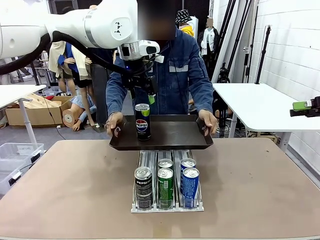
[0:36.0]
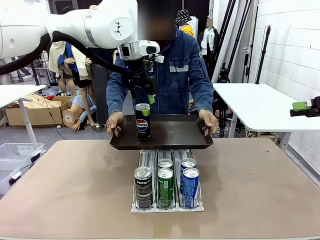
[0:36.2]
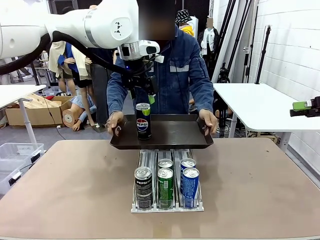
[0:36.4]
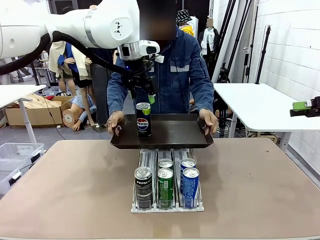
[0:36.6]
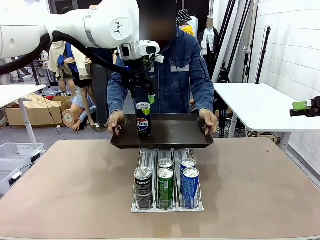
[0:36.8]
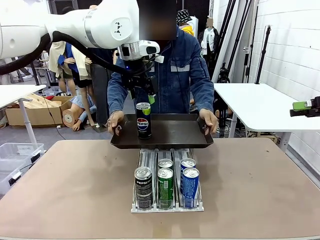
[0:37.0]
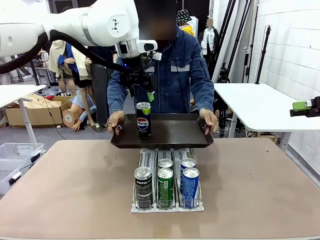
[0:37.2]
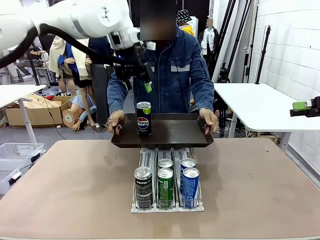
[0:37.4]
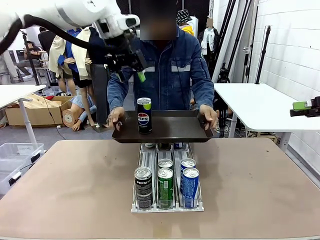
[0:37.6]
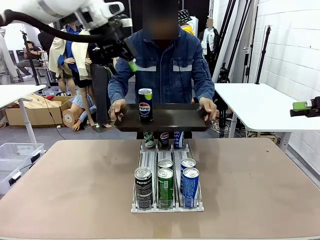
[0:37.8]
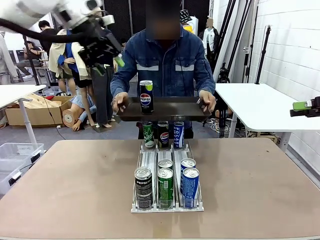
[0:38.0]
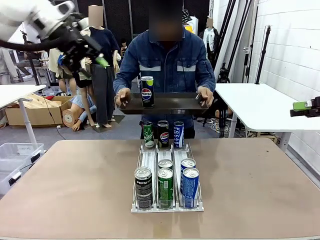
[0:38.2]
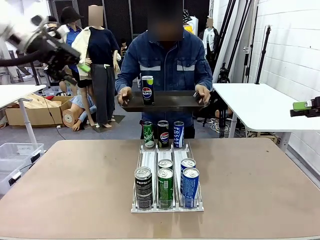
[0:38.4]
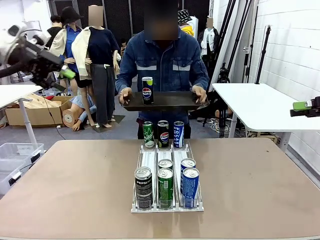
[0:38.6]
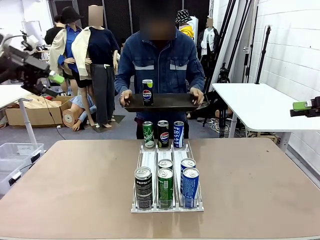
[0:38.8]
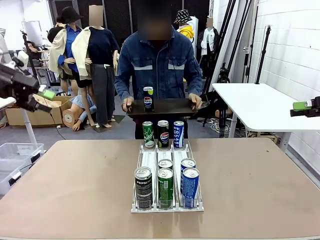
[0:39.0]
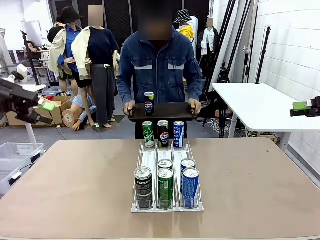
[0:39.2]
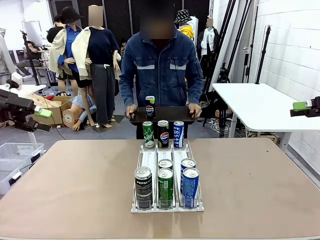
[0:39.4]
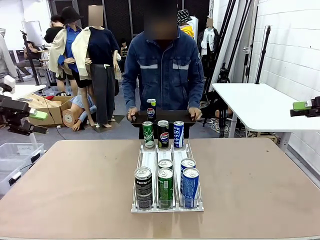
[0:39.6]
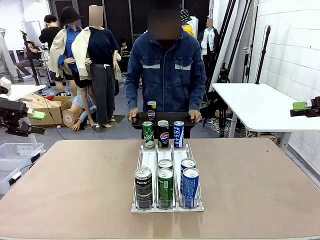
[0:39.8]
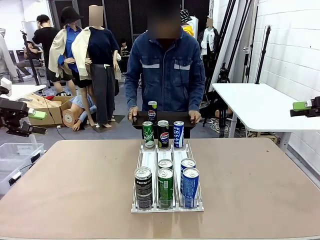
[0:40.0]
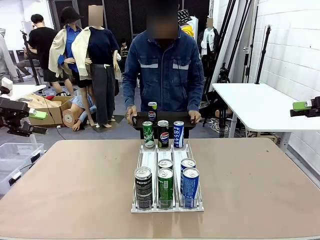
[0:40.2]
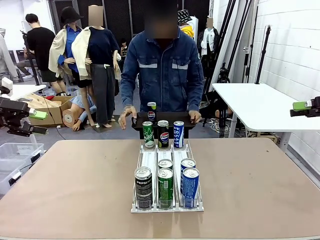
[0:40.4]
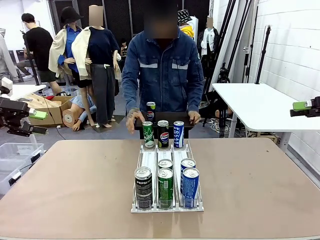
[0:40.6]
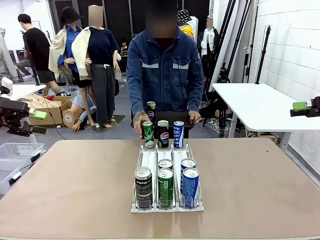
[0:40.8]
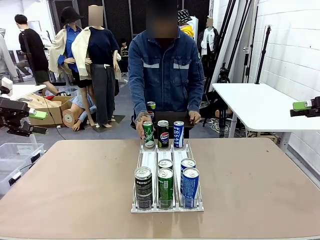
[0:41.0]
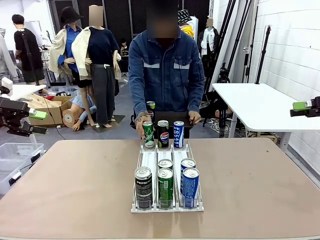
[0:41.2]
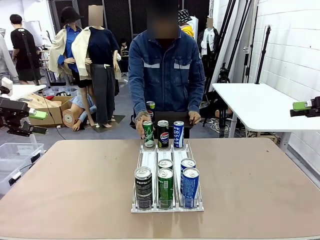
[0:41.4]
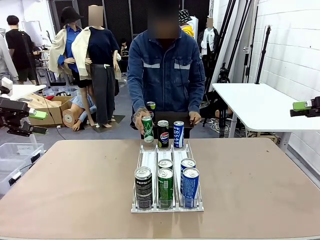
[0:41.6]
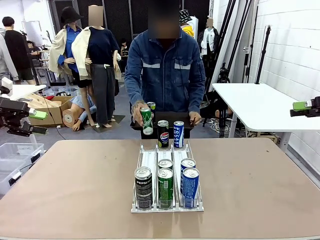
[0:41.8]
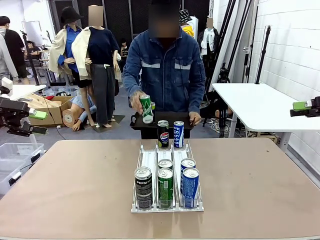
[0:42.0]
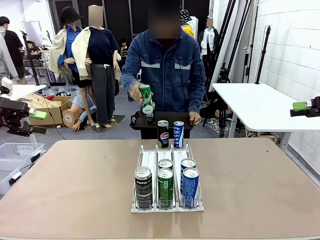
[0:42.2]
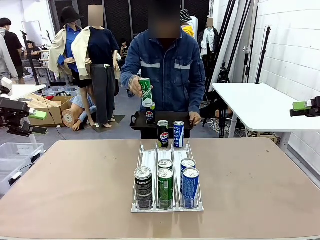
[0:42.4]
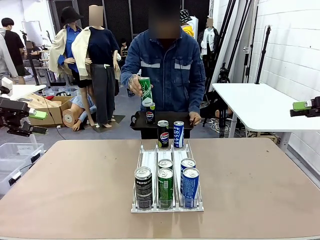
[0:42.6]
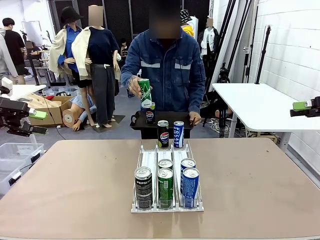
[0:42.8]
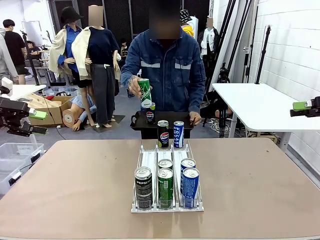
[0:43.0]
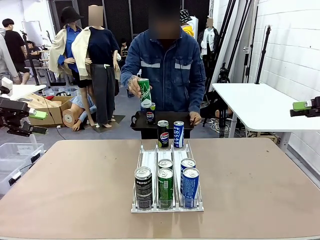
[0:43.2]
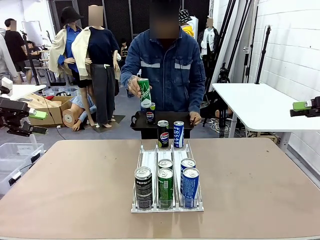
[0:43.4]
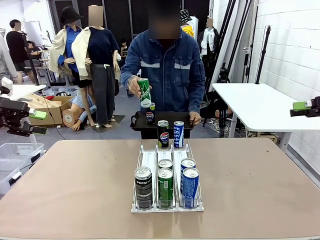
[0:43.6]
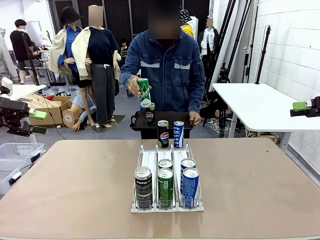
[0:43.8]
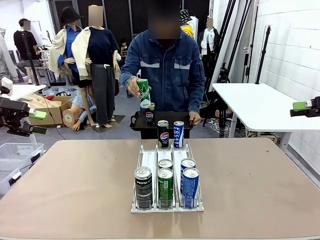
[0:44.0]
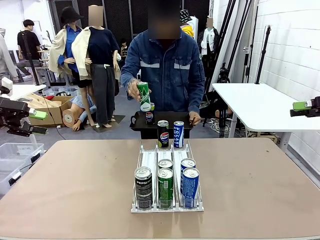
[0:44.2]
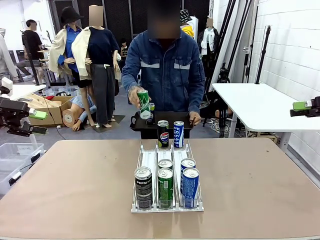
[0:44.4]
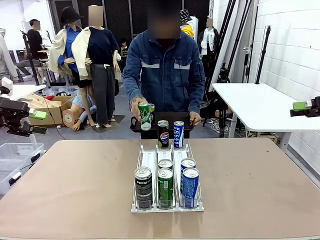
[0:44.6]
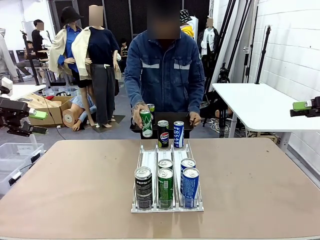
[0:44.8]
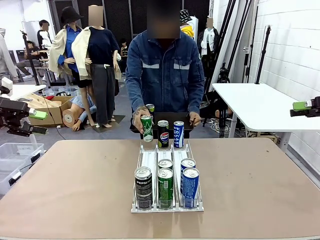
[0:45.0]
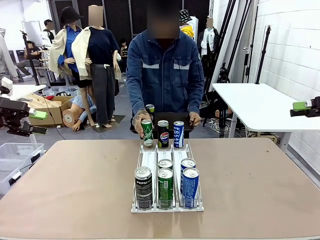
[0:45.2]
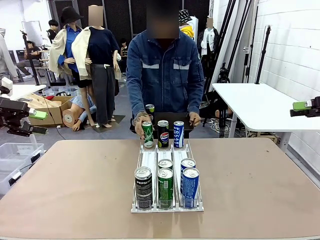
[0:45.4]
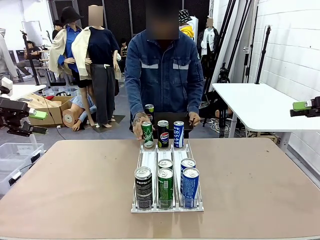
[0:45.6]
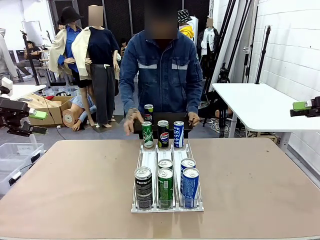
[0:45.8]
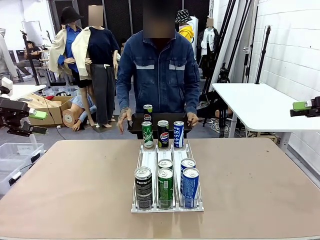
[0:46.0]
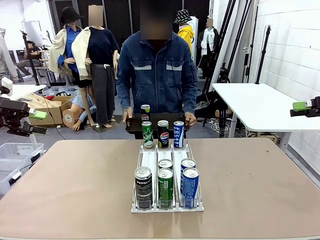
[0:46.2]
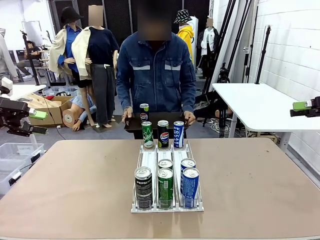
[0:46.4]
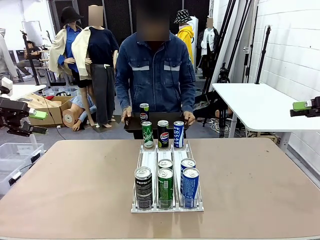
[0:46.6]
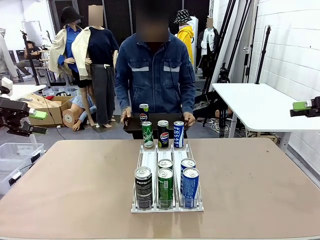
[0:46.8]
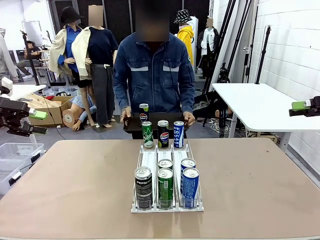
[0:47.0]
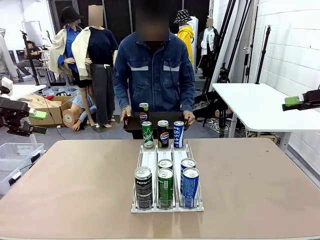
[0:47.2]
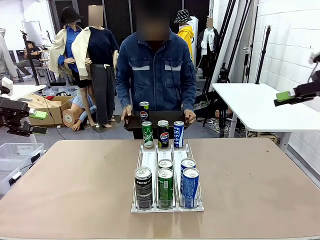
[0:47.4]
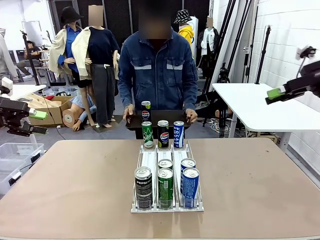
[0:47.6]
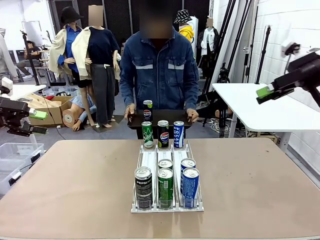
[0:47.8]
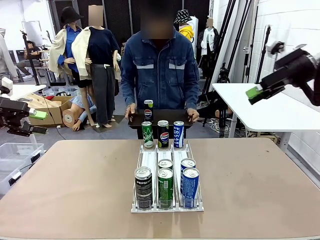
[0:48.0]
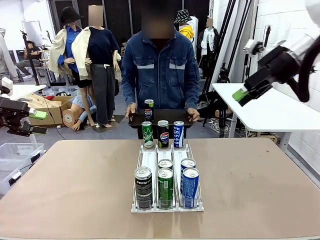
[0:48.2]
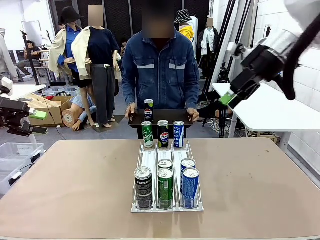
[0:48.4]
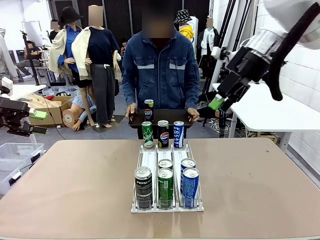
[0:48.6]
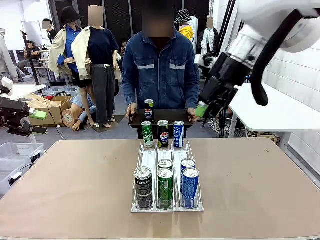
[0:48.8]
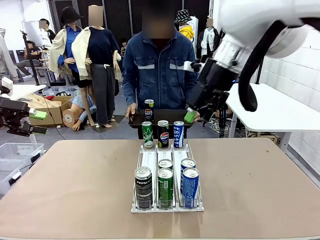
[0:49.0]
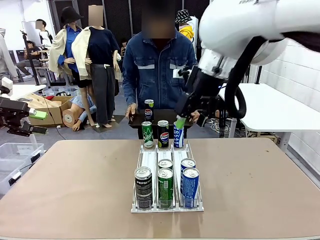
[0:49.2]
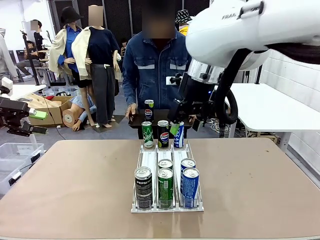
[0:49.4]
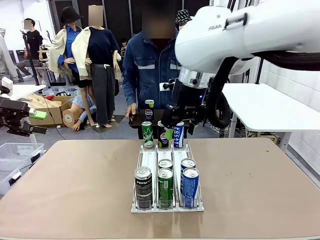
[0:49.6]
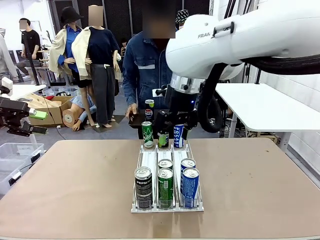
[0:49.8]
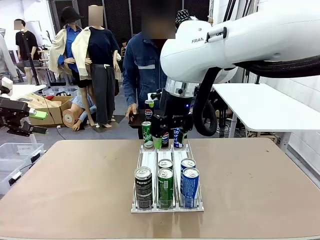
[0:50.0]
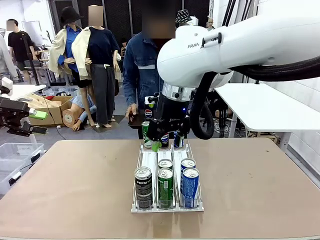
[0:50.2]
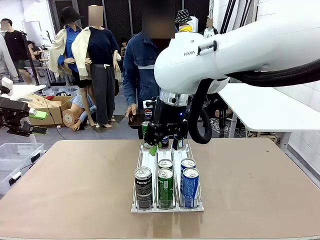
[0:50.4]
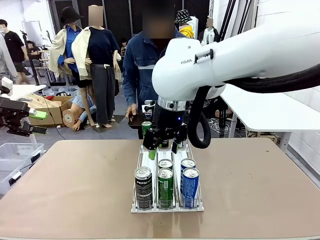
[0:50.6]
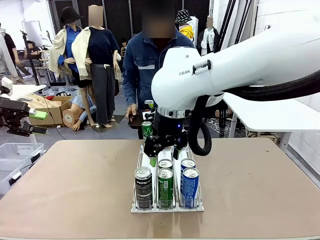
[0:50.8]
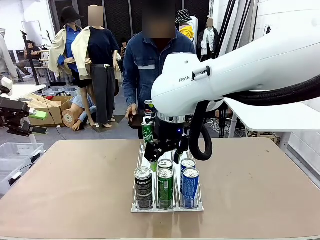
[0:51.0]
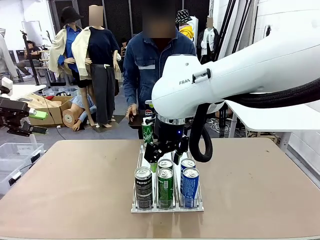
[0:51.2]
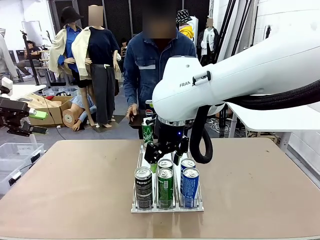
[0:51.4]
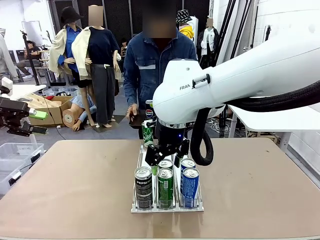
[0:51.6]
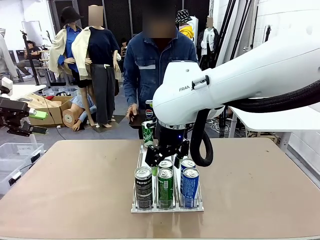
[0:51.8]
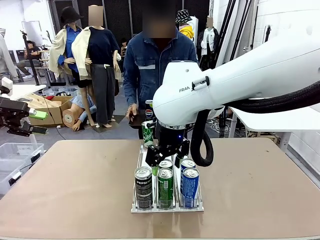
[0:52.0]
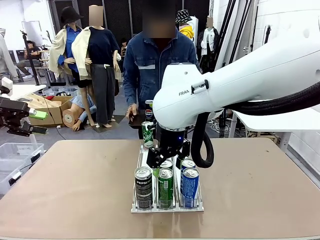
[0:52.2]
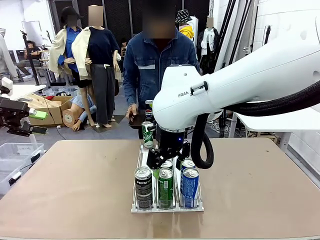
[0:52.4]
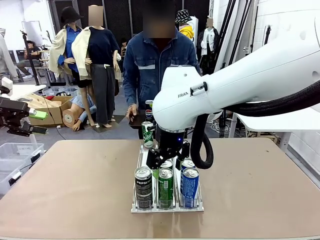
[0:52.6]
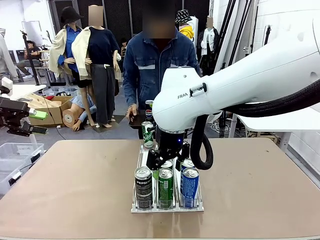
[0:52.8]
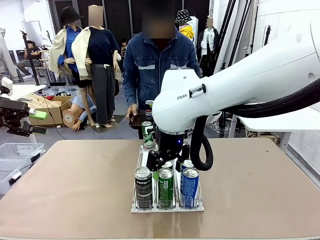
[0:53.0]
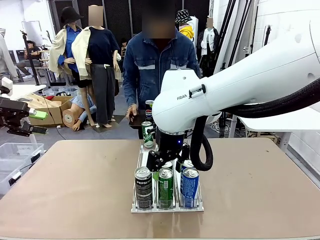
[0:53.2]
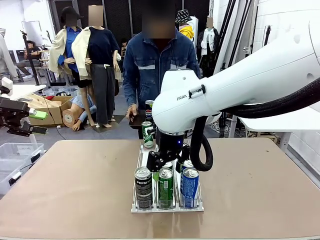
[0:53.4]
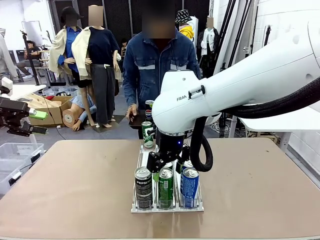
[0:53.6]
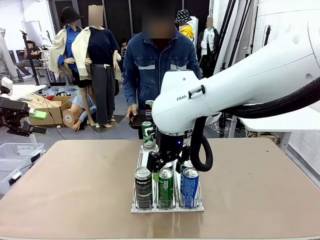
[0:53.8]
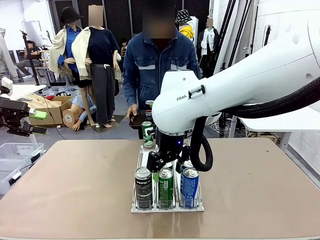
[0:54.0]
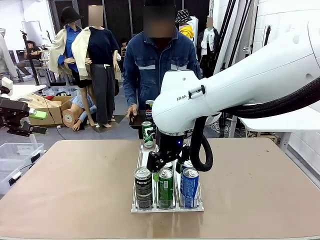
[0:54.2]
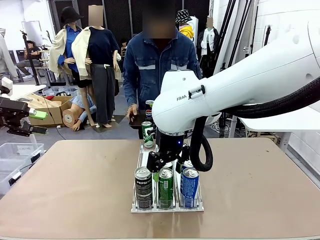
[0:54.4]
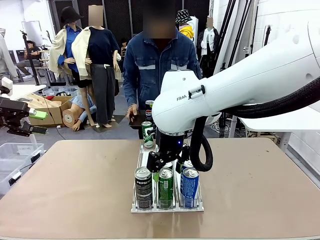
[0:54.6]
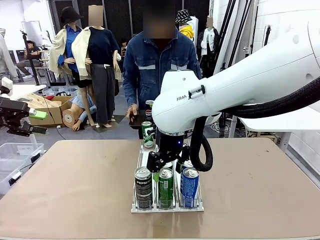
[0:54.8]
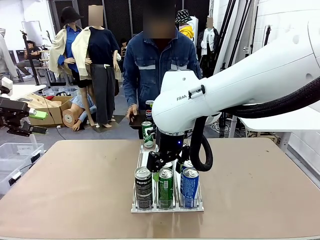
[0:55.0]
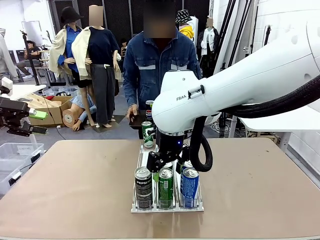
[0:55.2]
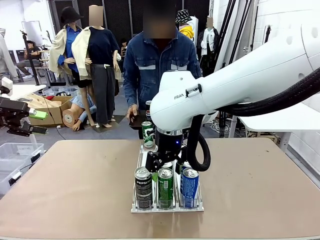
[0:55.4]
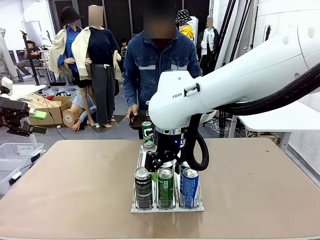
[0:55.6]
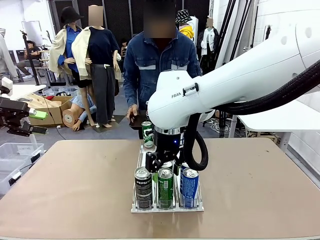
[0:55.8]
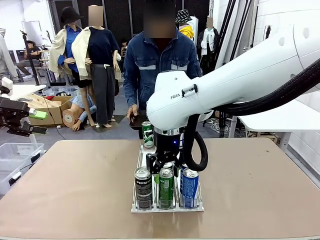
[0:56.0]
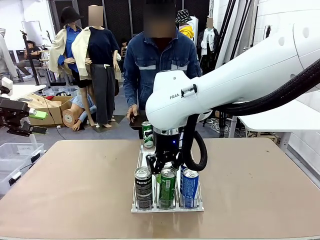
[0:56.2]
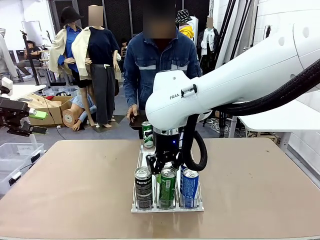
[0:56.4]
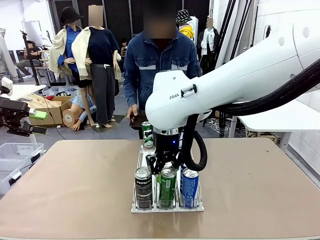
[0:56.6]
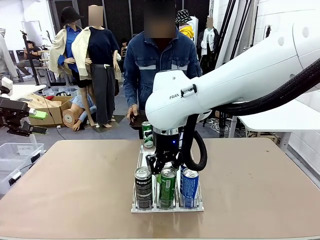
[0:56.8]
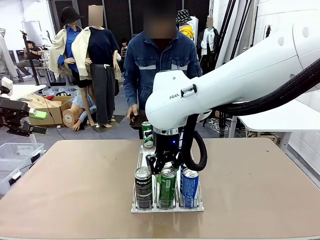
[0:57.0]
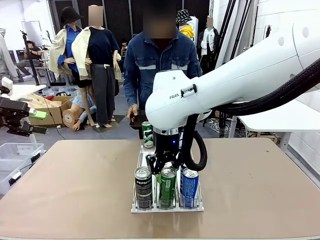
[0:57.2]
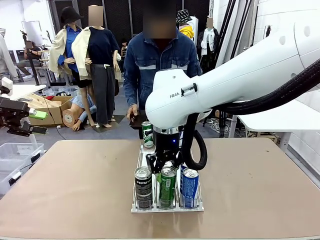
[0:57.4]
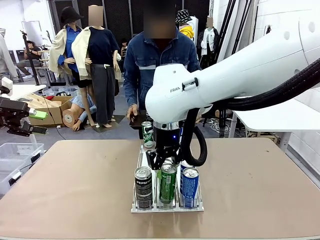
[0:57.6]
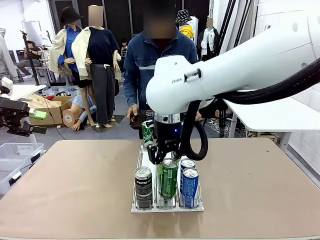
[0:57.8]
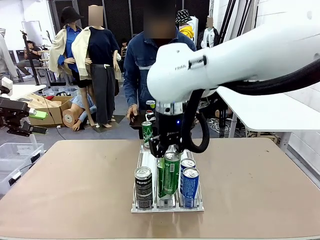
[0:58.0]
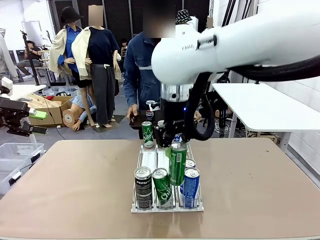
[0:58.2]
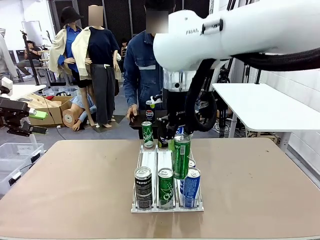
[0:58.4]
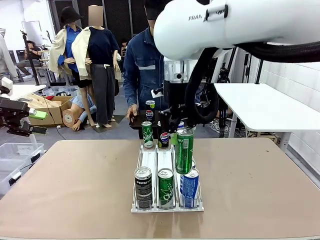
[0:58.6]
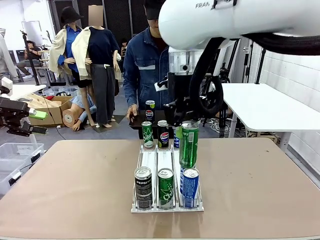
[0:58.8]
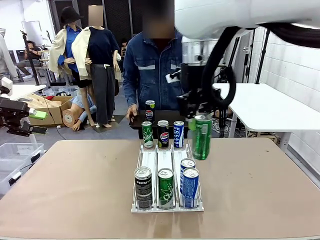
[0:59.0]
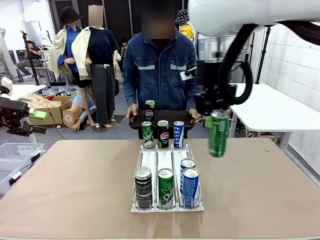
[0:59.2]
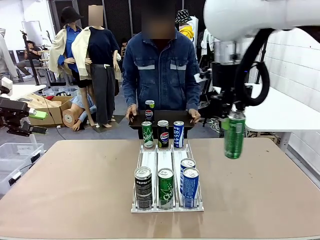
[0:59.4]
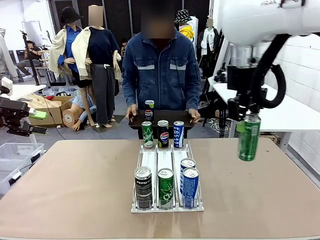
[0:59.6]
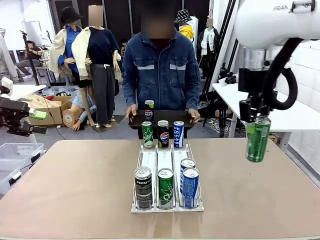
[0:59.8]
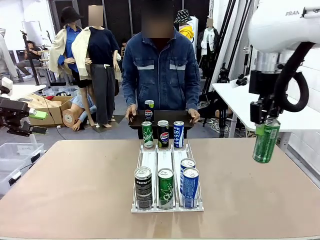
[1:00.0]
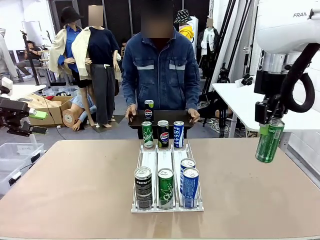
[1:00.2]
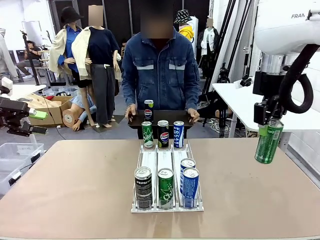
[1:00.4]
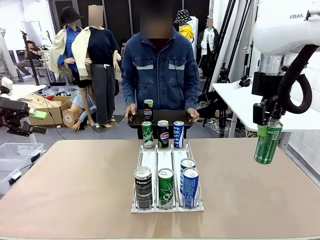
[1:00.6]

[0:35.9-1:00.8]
Task: Retrieve and hand over the desired beverage to the person.
Robot: Pick up another can of the same type that the person held from the Automatic Can Dispenser.
Person: Pull the tray back, then pick up another can from the bottom area of the table and puts it back in its original place. Push the tray toward the robot again.
